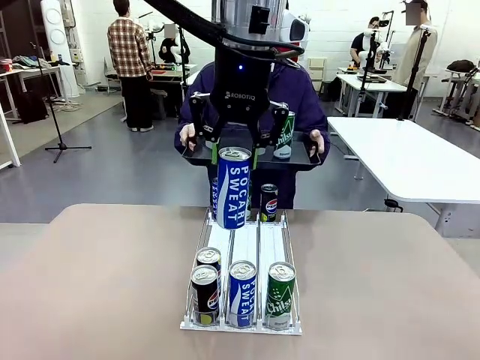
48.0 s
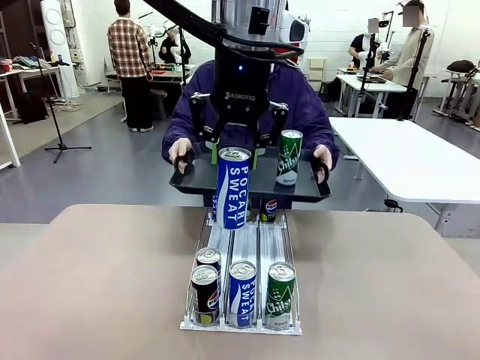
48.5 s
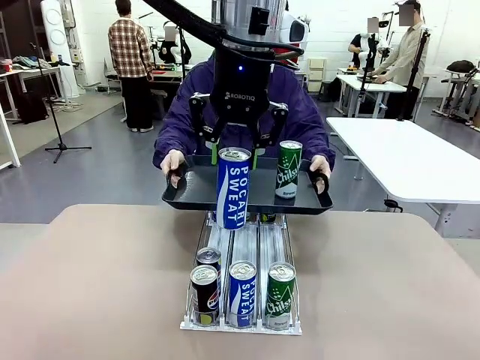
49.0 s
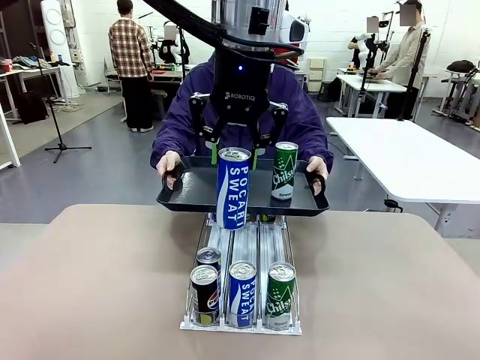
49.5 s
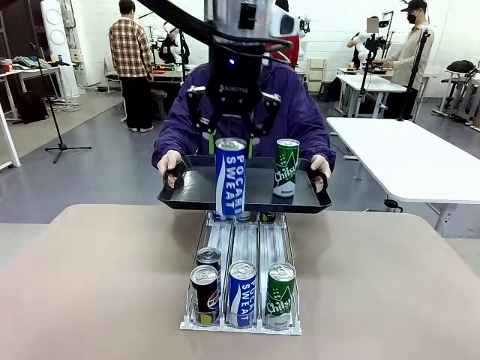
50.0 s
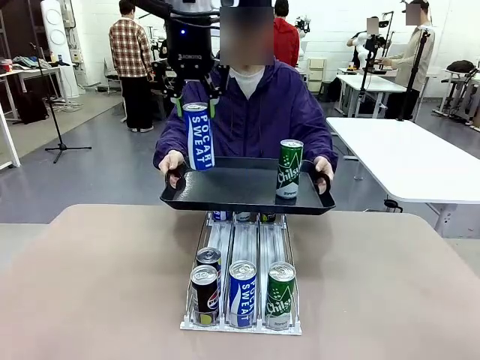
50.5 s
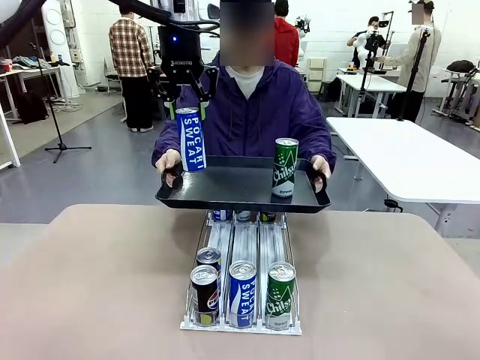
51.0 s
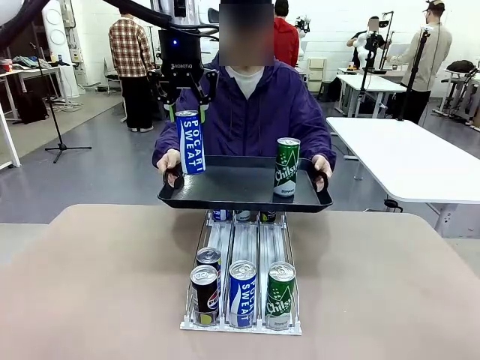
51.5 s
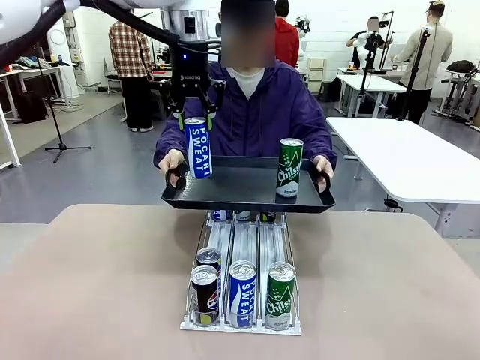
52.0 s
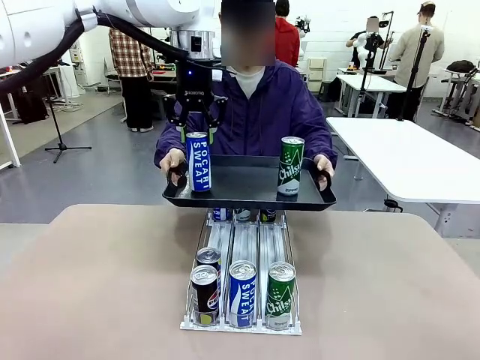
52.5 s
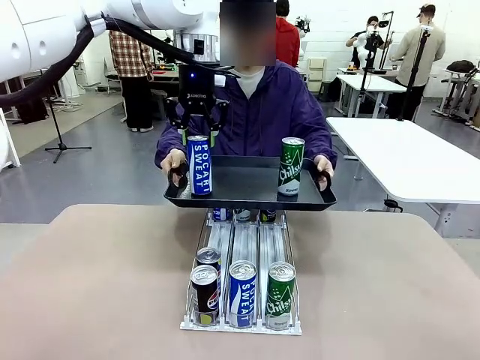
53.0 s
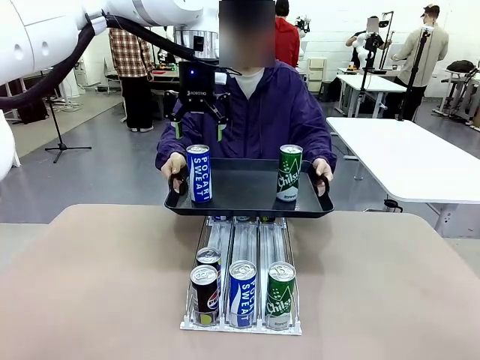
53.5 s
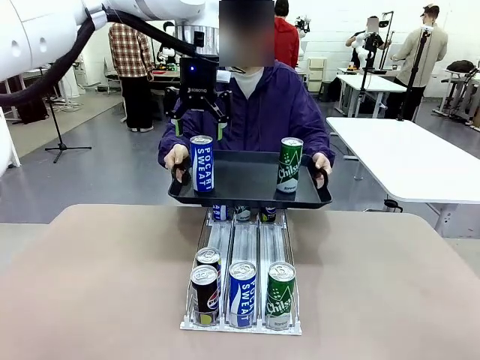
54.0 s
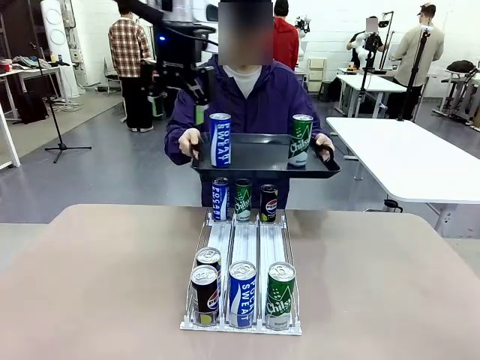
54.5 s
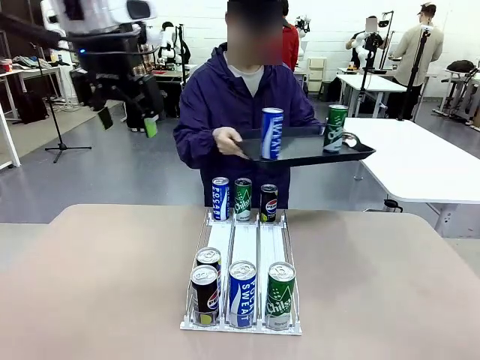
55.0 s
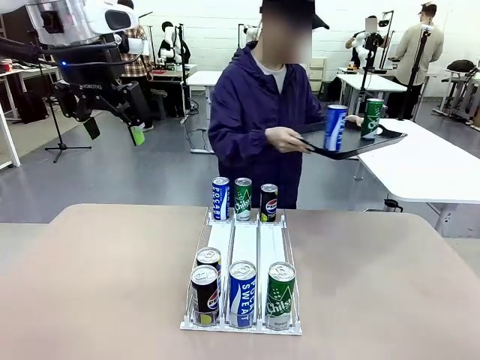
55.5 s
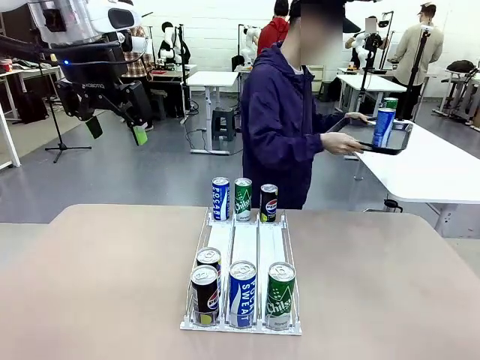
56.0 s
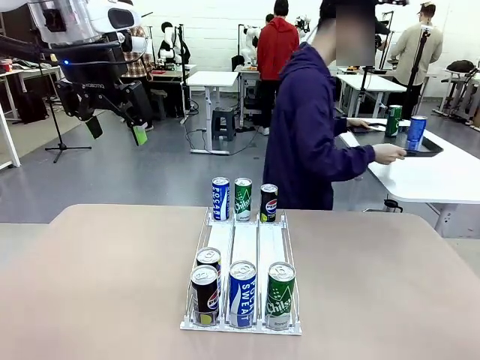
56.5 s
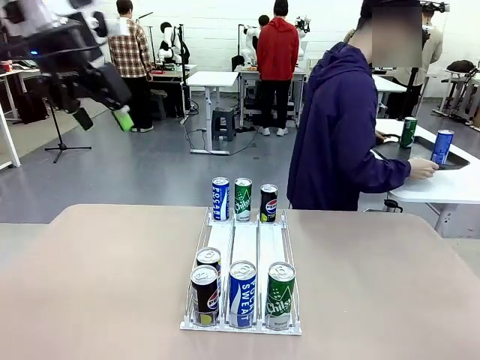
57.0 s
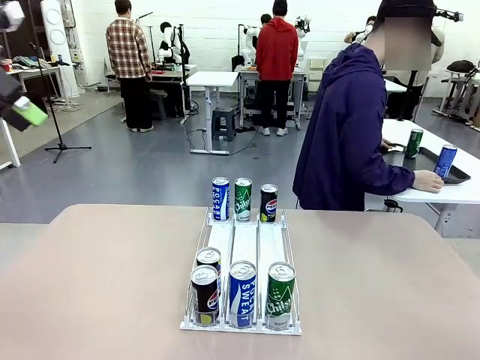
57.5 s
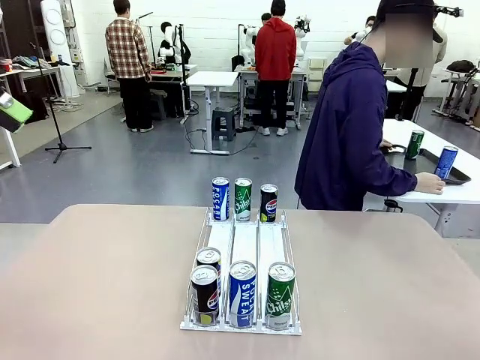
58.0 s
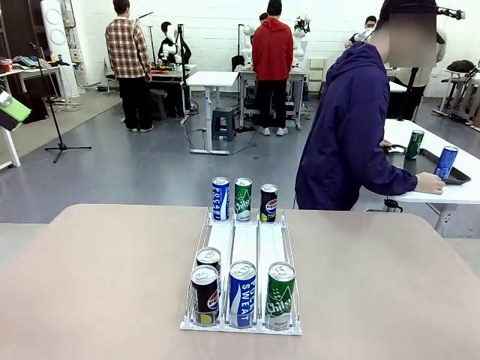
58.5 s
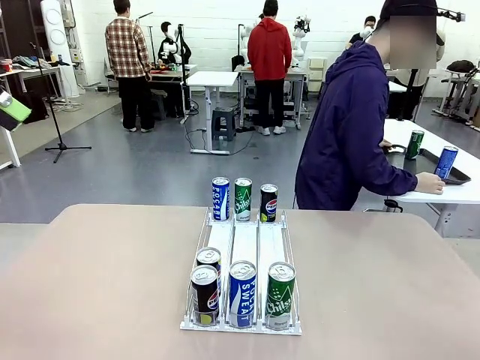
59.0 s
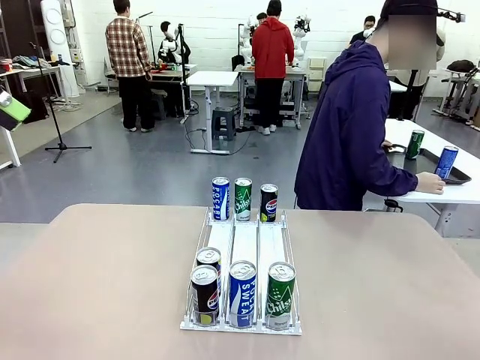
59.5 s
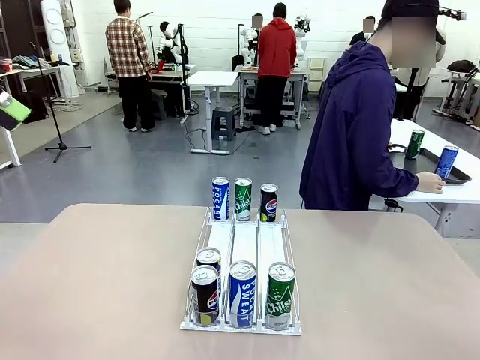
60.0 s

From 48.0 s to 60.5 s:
Task: Retrieve and hand over the desired beverage to the person.
Robot: Place the picked can on the Handle tray extended by the person.
Person: Pull the tray back and place it at the center of the human table.

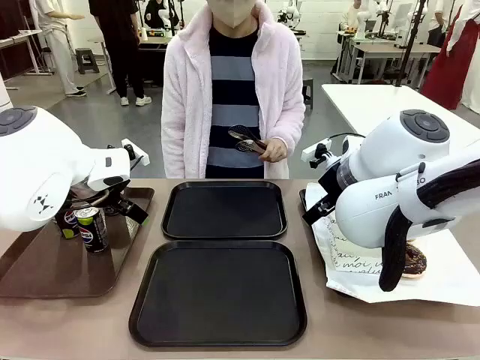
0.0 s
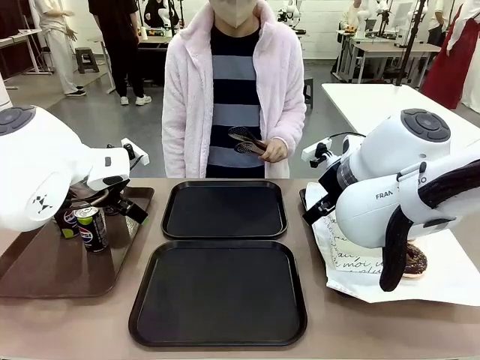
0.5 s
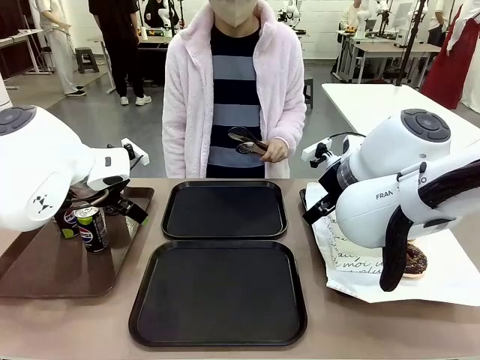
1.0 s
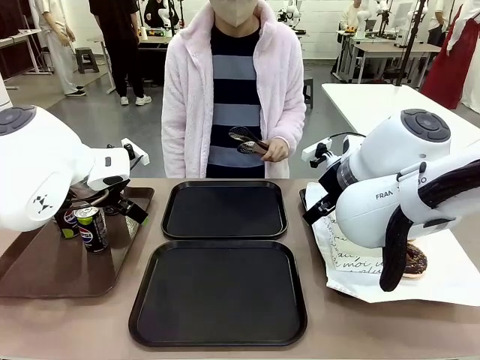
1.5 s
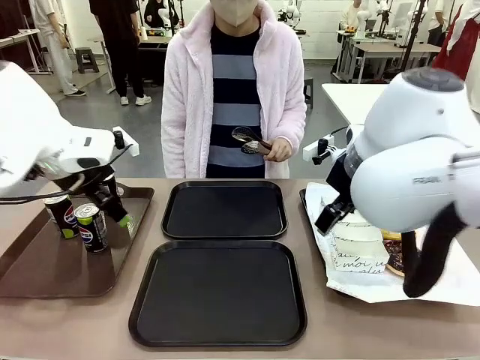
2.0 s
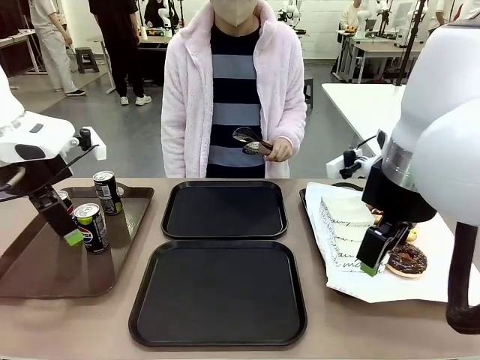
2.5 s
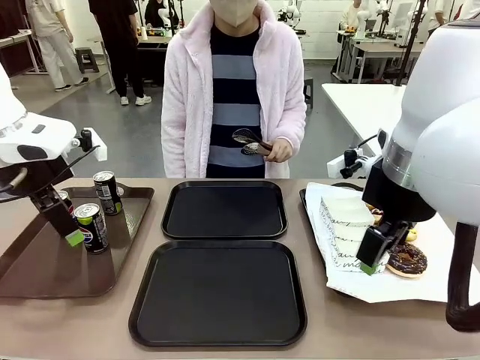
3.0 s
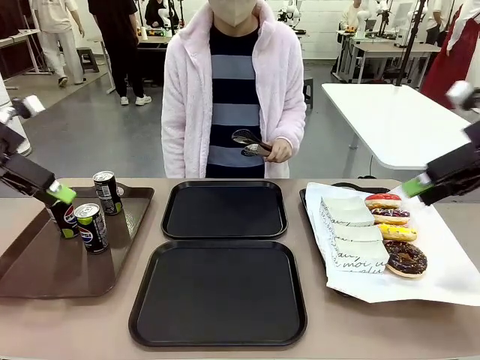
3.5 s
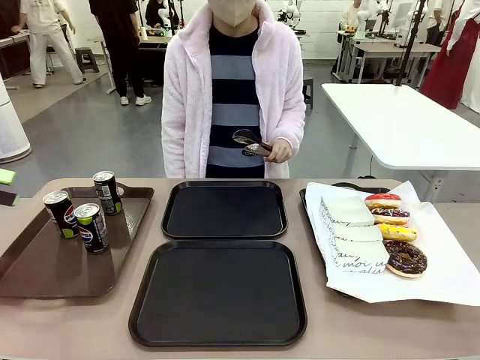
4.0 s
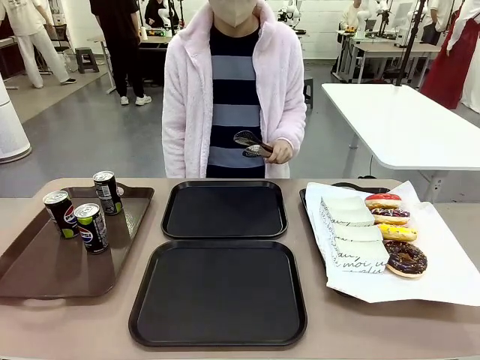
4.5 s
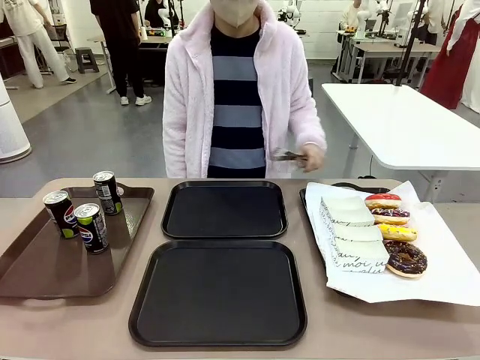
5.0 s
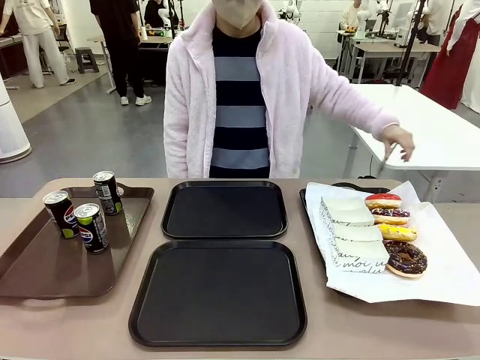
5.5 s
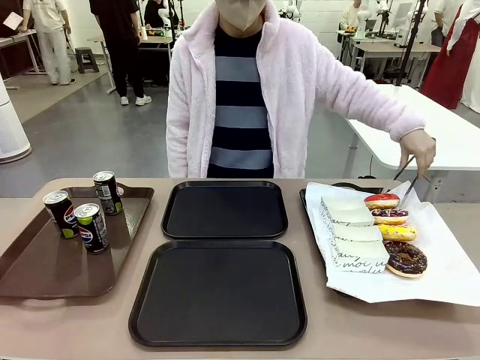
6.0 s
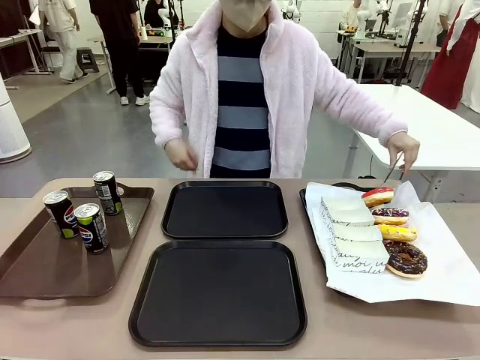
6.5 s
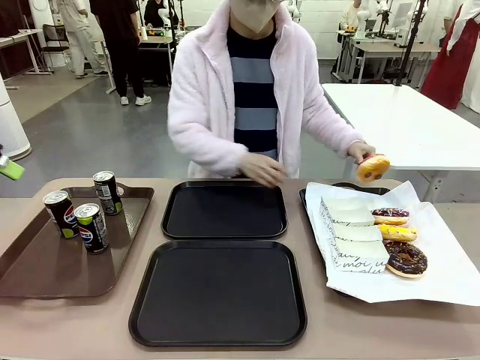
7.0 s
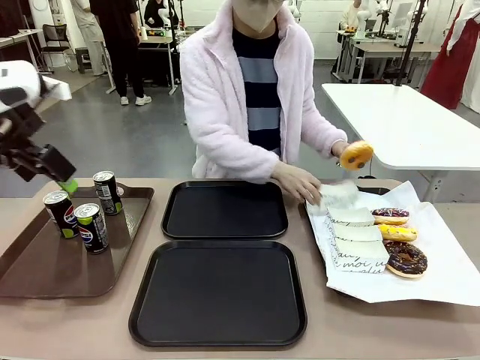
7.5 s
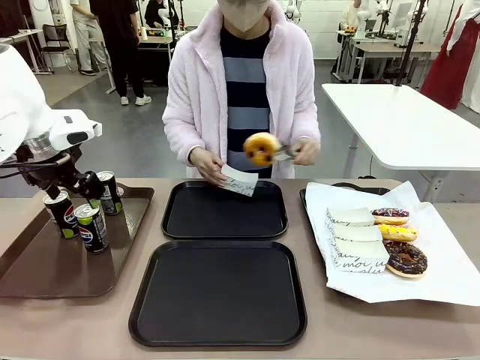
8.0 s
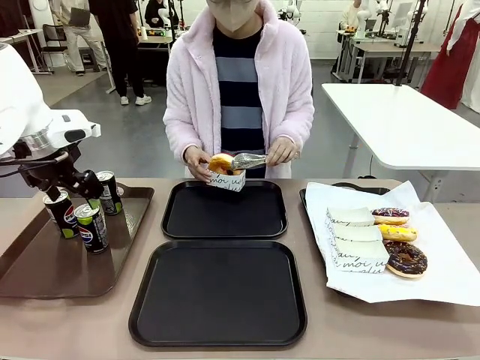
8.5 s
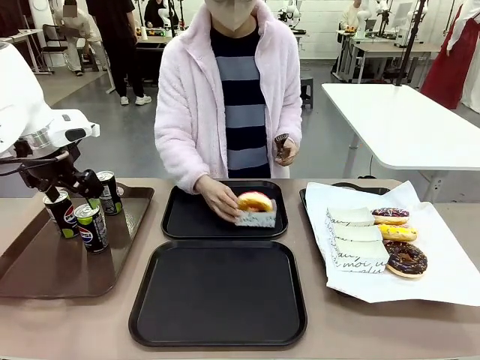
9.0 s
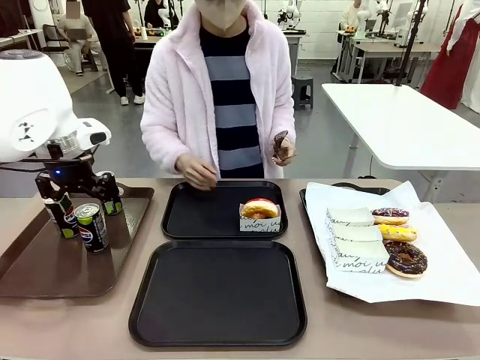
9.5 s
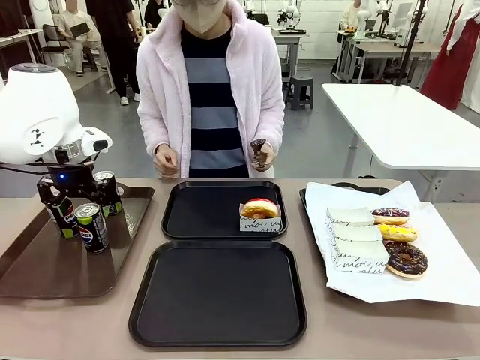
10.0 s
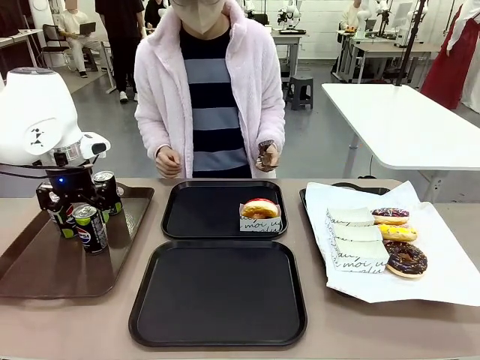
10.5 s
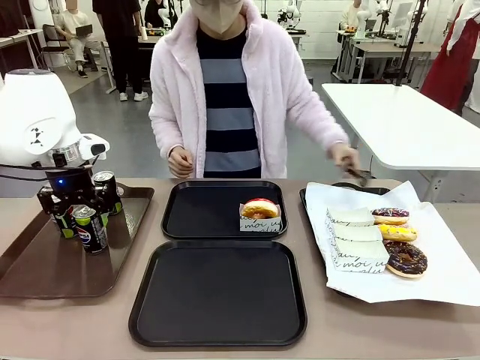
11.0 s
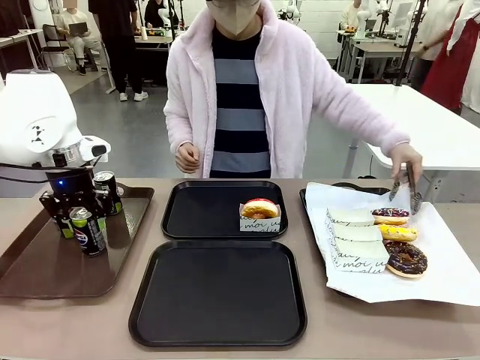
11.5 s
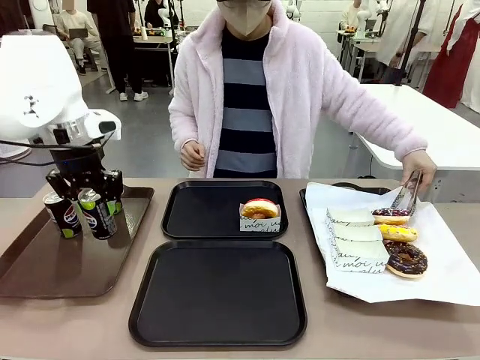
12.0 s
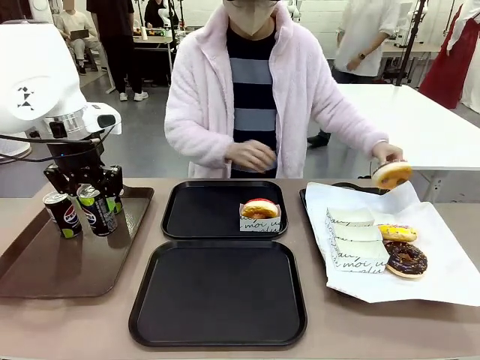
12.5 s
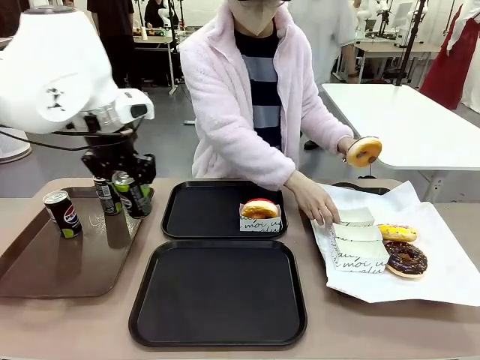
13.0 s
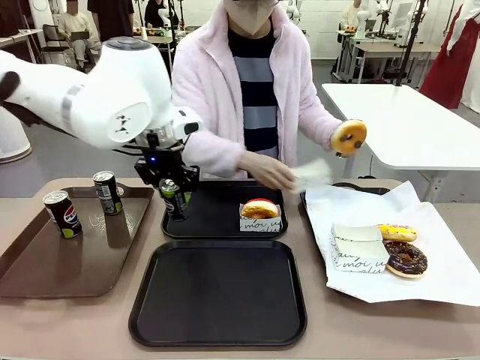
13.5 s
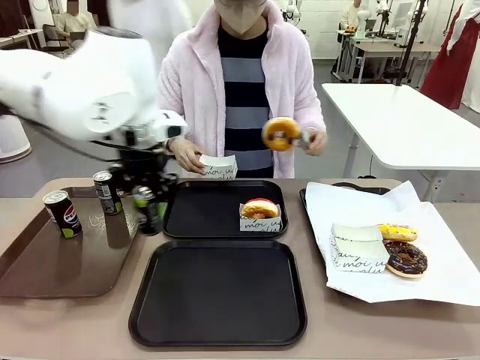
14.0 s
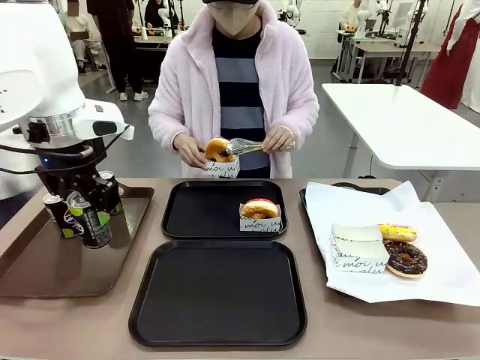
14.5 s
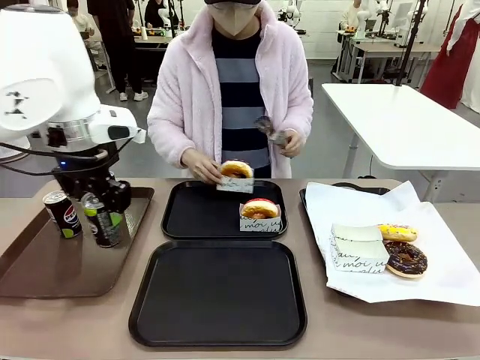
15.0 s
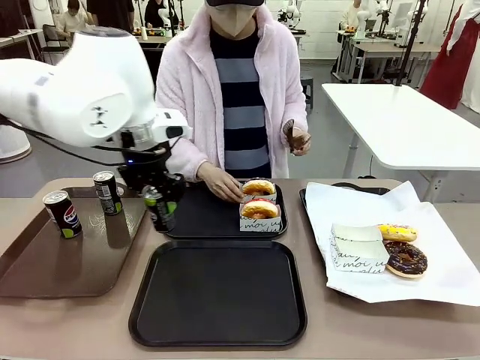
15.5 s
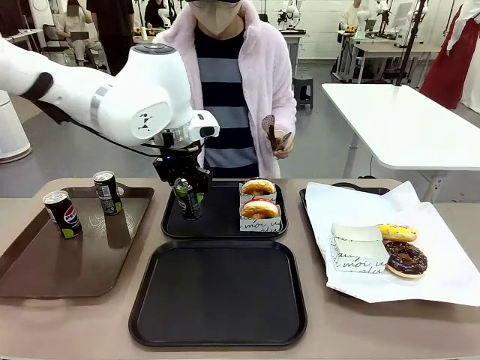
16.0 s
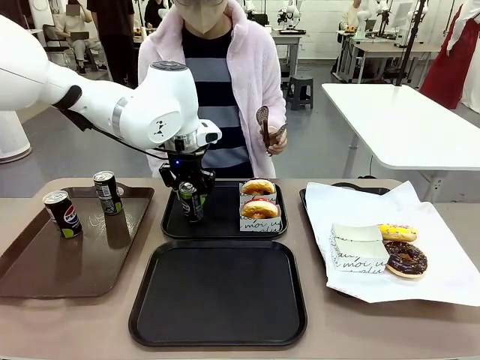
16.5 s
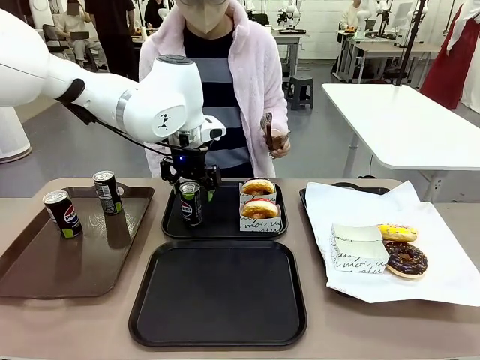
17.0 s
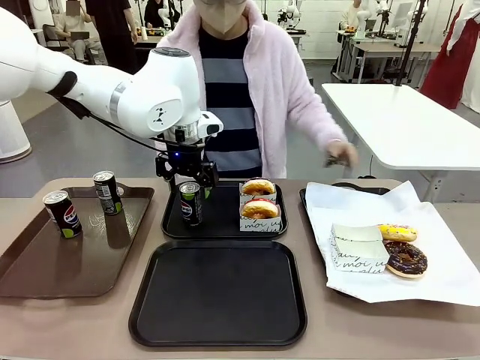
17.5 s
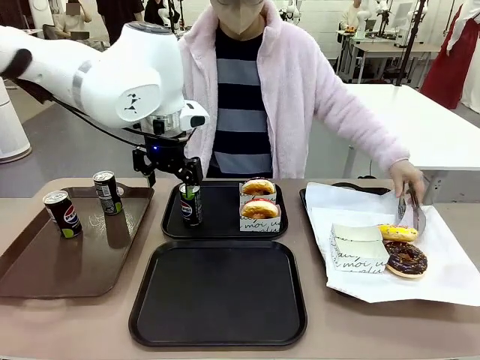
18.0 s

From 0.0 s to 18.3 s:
Task: Set up donuts and drinks on trays.
Robot: Pick up one Pepsi coke and place it on the Flat Tray.
